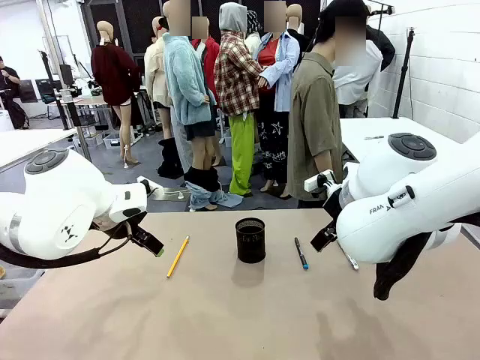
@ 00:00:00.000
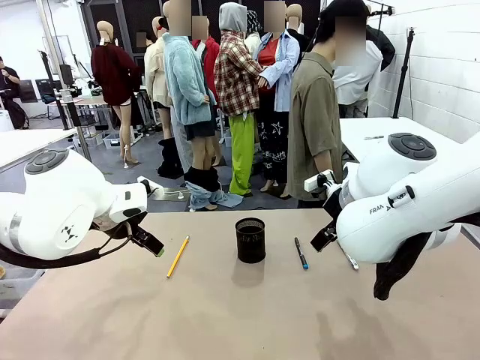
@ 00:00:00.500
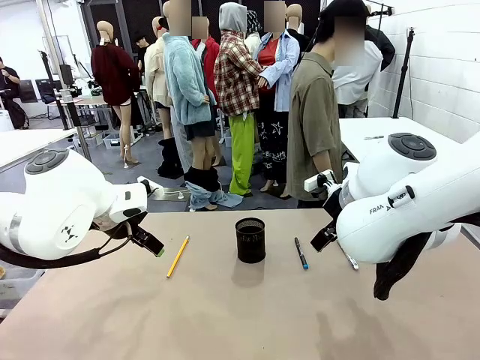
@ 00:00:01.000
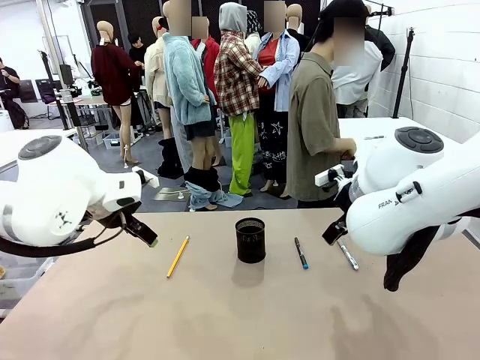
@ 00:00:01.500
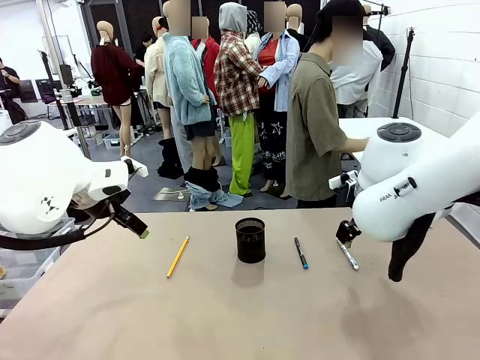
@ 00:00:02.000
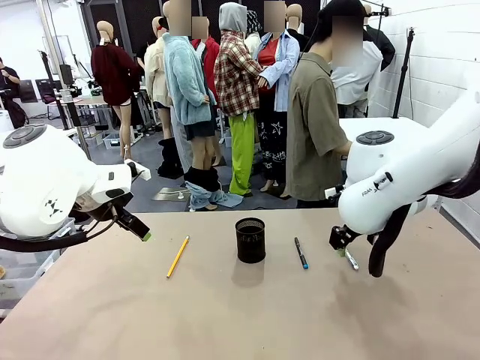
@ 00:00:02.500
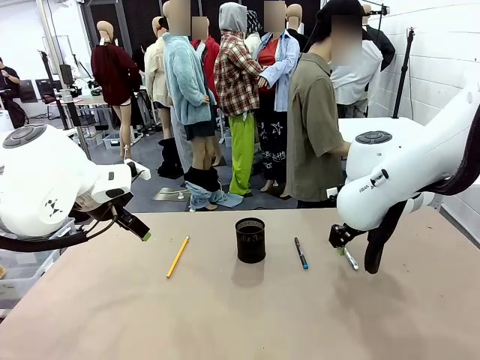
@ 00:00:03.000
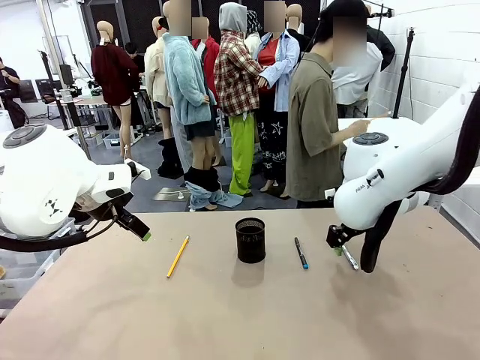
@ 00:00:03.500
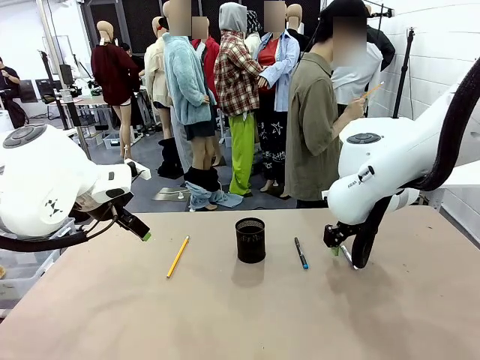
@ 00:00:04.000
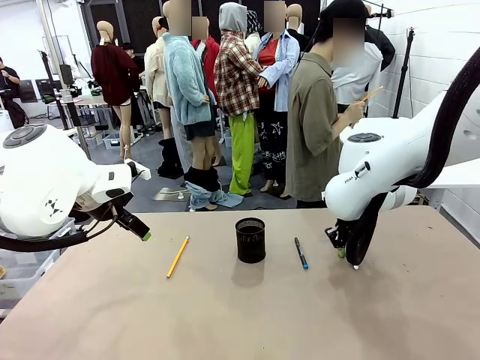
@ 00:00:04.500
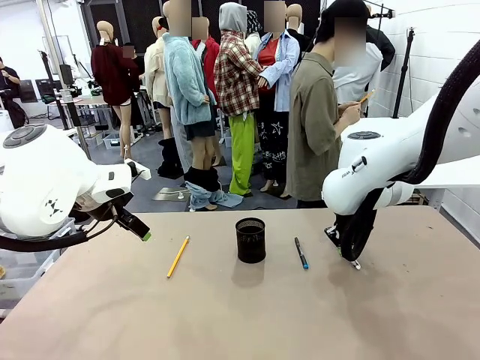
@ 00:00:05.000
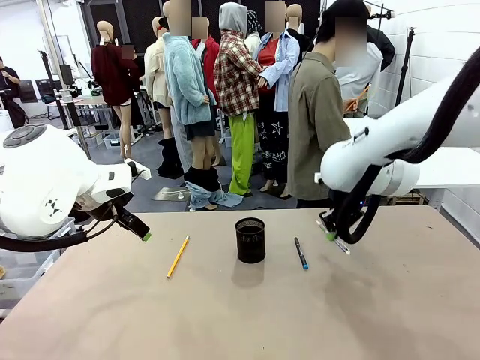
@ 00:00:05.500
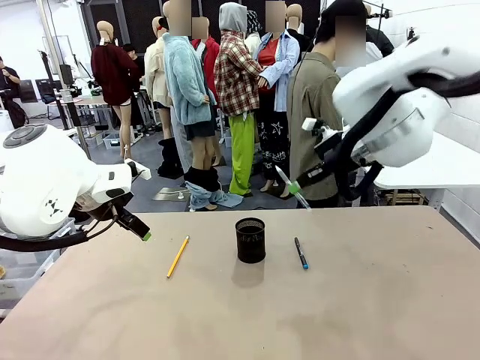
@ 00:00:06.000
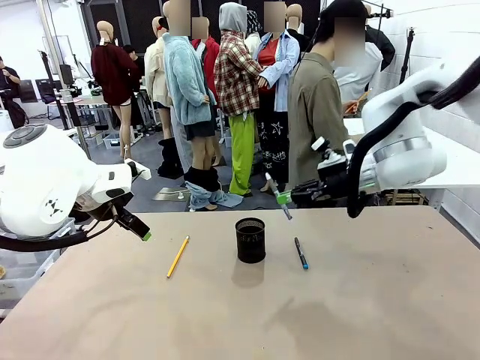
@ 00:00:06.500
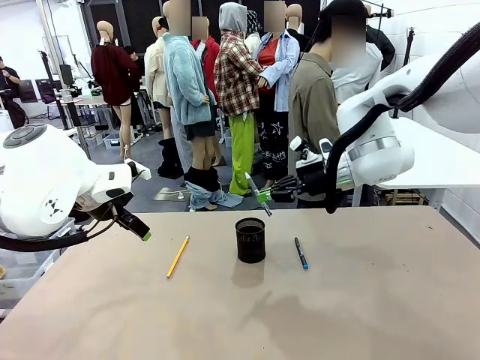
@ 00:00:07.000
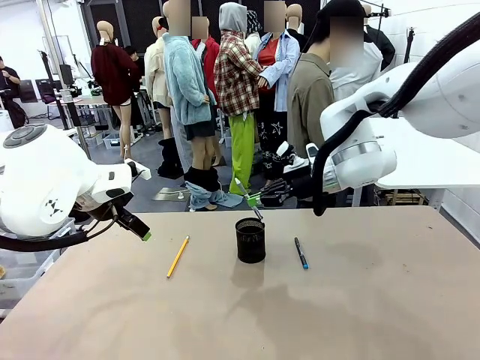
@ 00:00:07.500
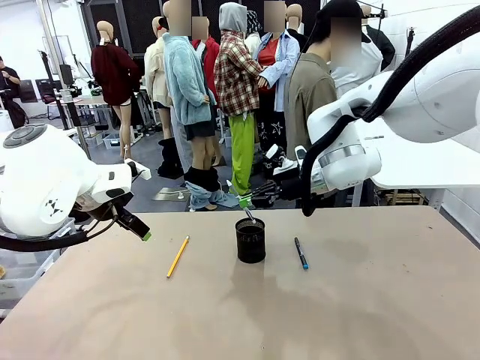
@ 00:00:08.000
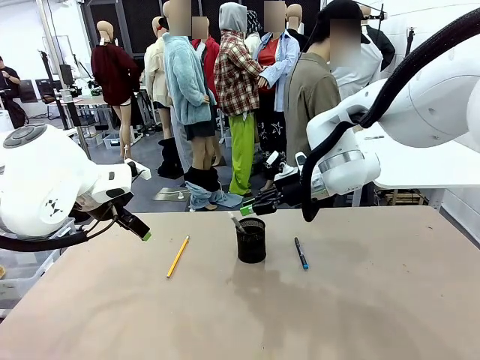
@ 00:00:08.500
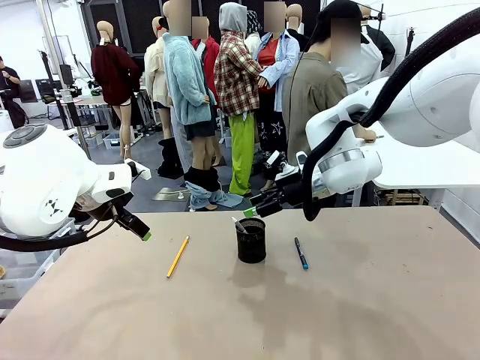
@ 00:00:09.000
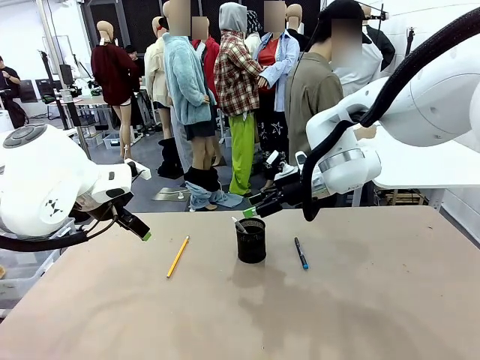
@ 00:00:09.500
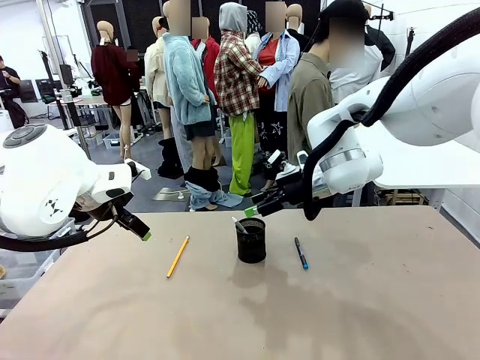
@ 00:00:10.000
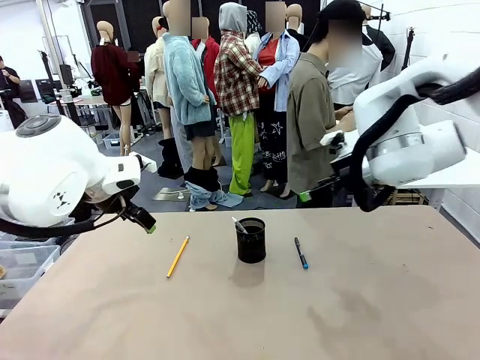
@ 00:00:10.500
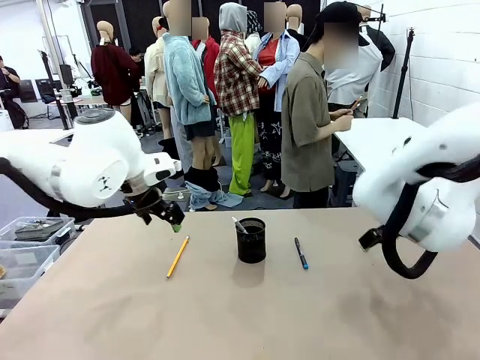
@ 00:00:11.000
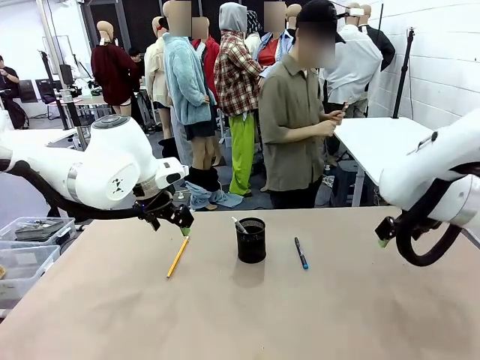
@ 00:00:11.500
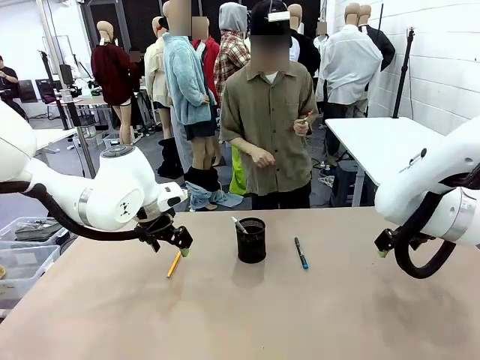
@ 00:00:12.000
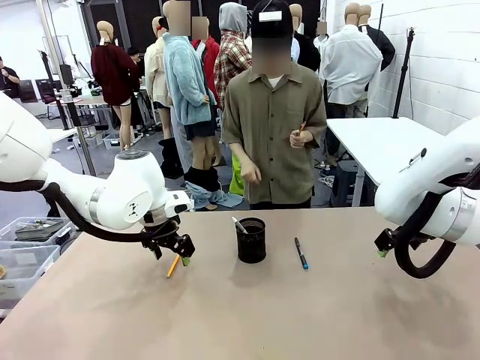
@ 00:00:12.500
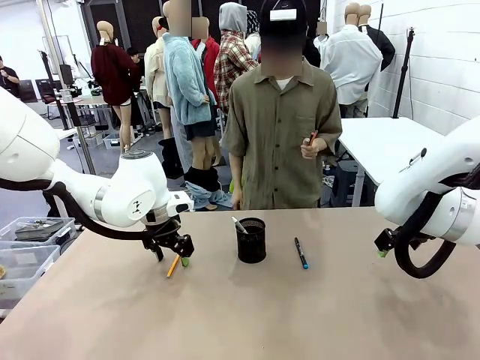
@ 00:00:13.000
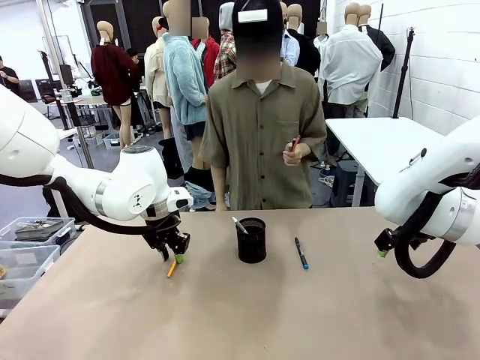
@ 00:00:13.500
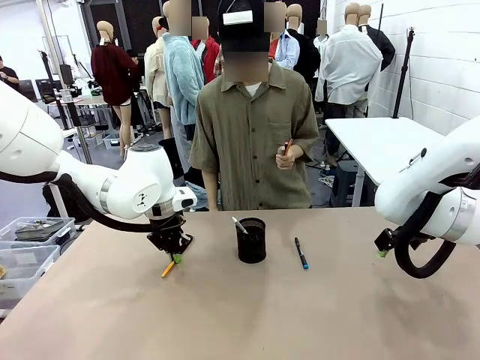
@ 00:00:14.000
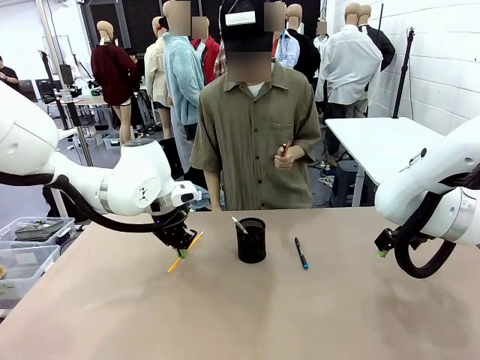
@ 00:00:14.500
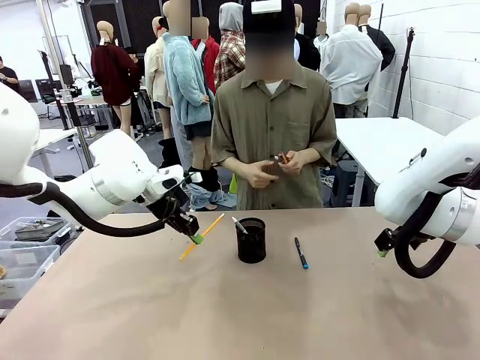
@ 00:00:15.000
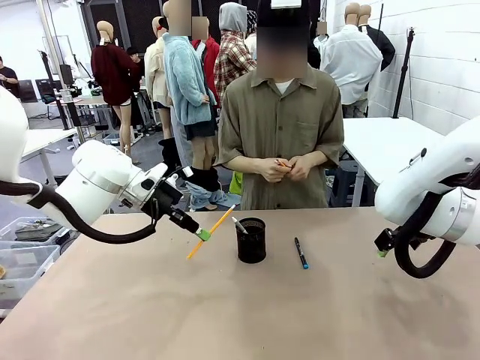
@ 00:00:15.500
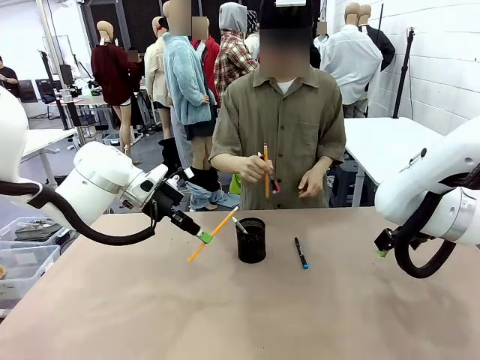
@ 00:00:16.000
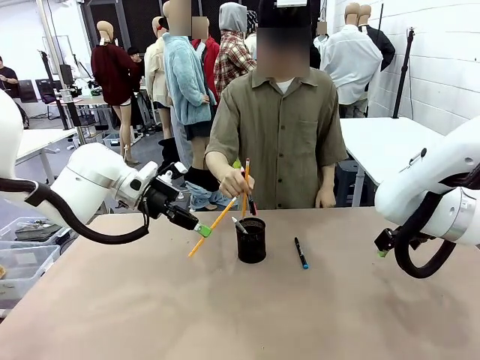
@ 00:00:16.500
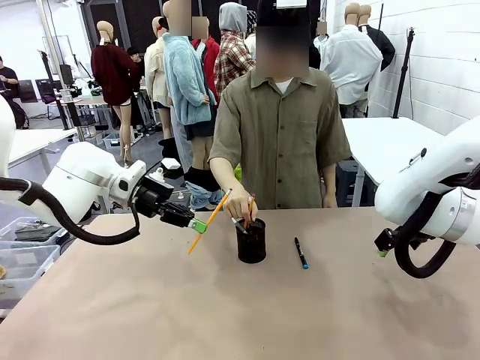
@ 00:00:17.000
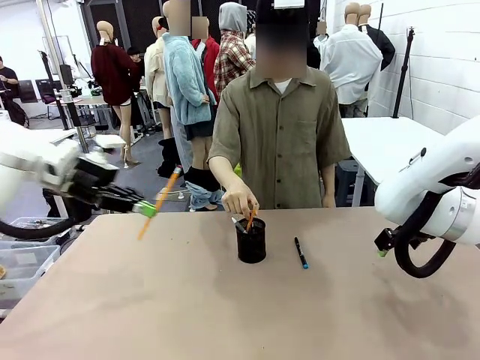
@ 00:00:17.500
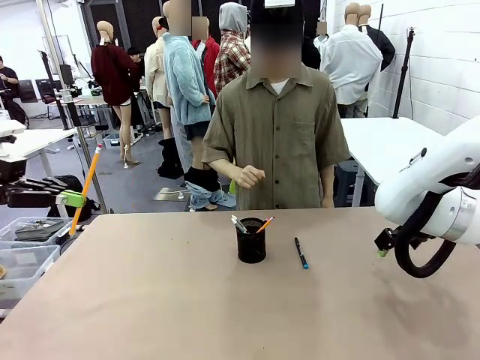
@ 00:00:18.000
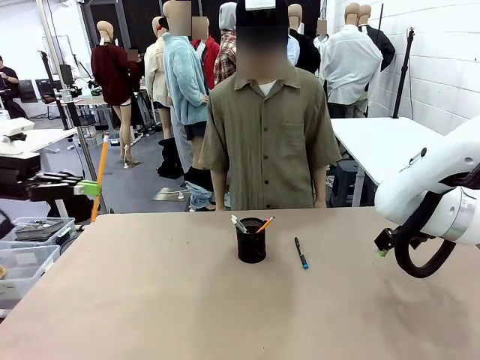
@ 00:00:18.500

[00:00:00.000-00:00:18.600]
Task: Place the pens into the pen holder.
Robot: Pick up a writing instrument from the table and place it into the Pen holder.
Person: Pick up all writing instruments from the Human table.
